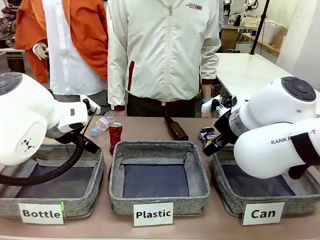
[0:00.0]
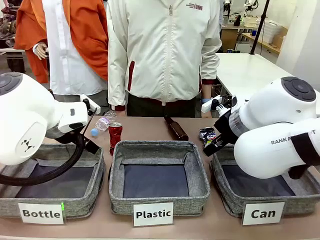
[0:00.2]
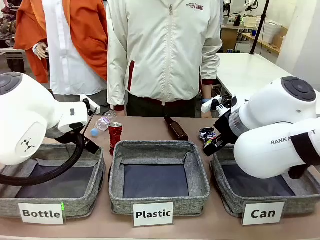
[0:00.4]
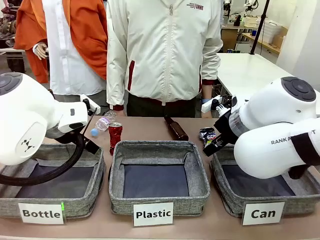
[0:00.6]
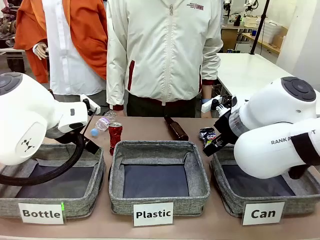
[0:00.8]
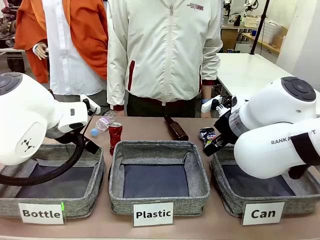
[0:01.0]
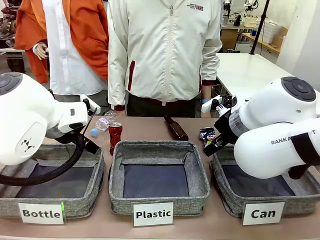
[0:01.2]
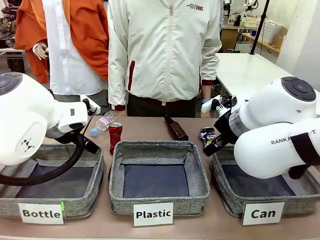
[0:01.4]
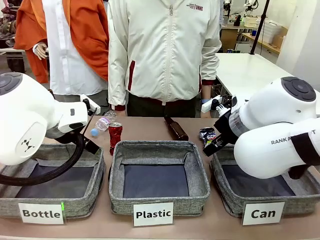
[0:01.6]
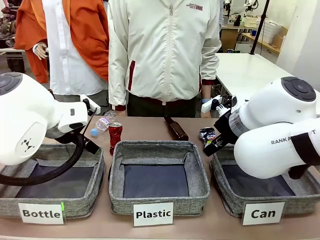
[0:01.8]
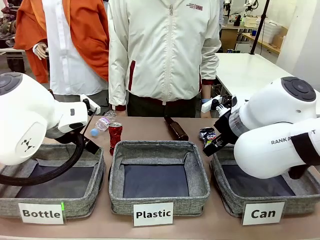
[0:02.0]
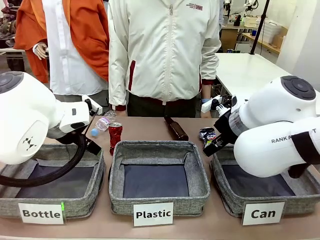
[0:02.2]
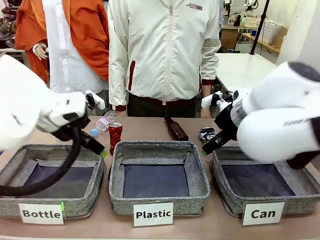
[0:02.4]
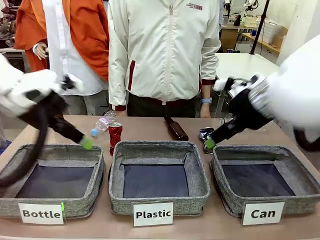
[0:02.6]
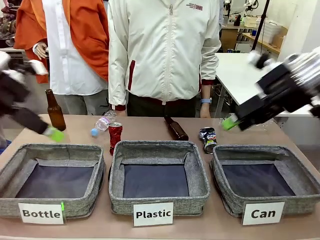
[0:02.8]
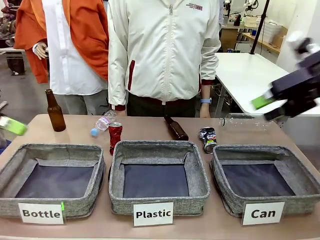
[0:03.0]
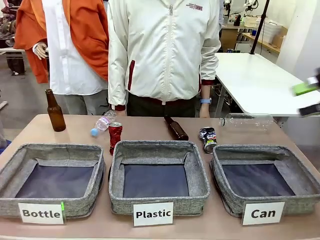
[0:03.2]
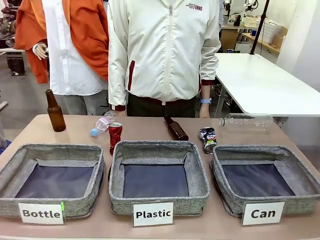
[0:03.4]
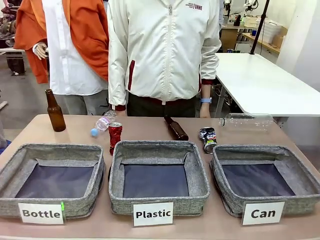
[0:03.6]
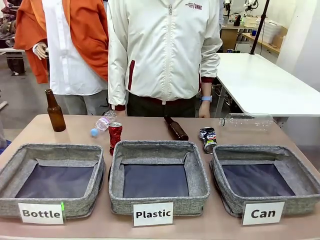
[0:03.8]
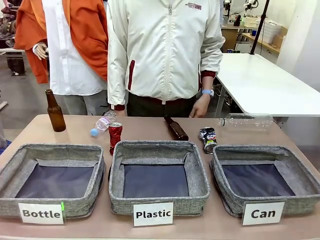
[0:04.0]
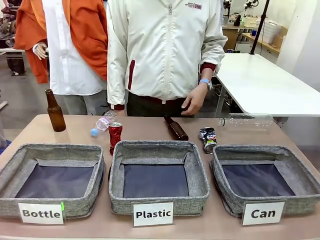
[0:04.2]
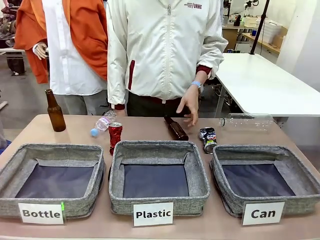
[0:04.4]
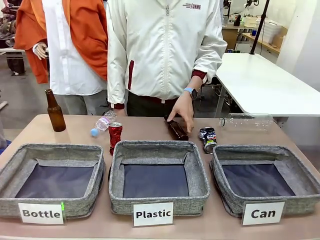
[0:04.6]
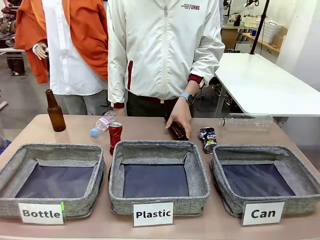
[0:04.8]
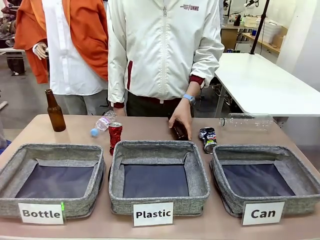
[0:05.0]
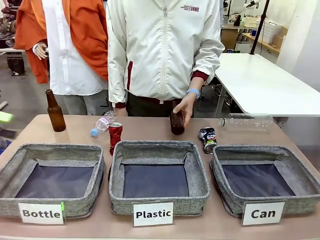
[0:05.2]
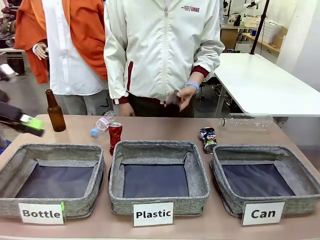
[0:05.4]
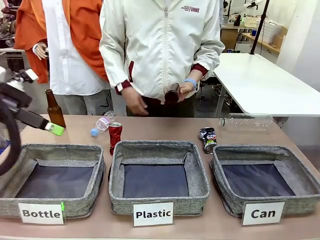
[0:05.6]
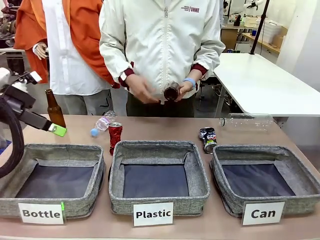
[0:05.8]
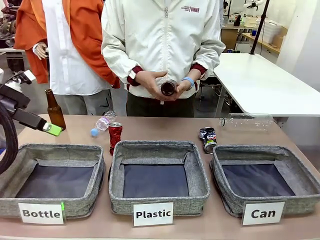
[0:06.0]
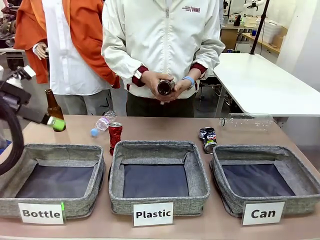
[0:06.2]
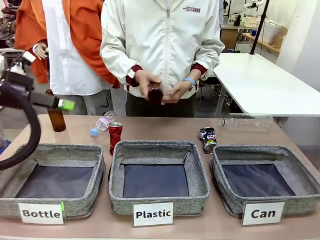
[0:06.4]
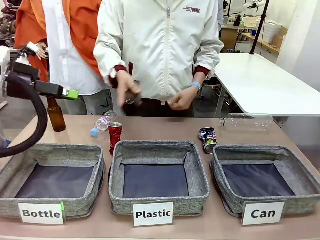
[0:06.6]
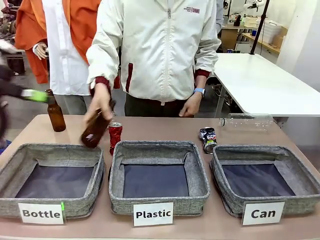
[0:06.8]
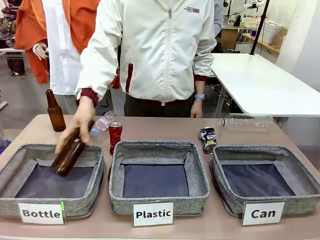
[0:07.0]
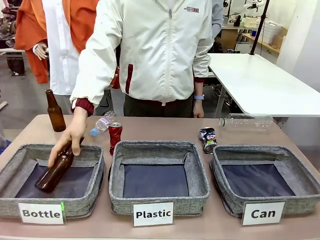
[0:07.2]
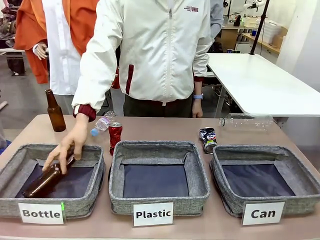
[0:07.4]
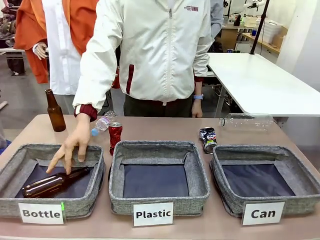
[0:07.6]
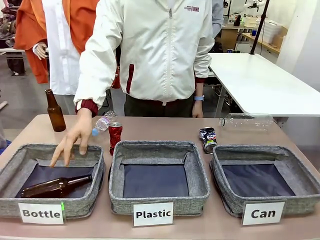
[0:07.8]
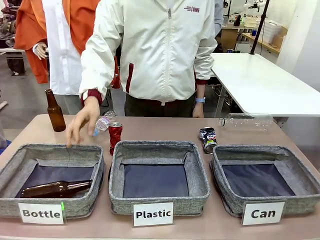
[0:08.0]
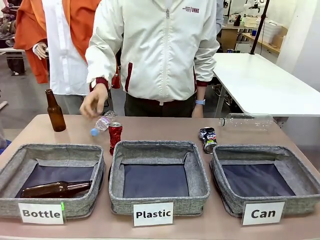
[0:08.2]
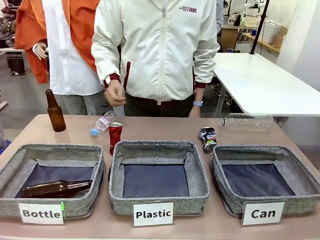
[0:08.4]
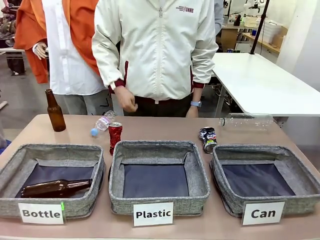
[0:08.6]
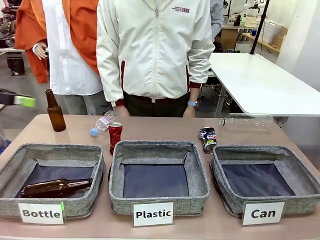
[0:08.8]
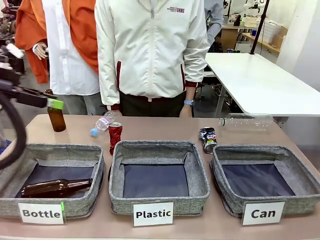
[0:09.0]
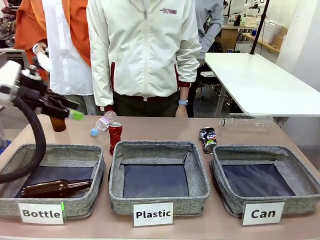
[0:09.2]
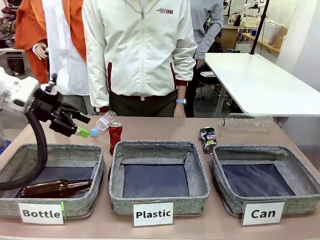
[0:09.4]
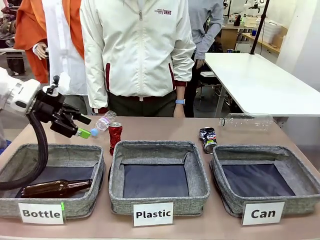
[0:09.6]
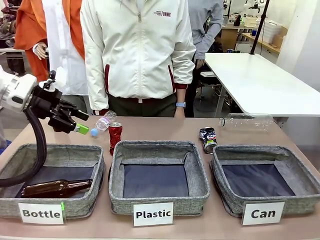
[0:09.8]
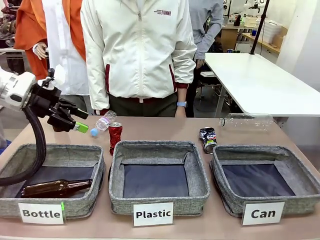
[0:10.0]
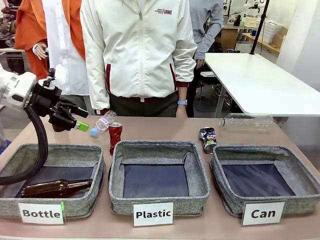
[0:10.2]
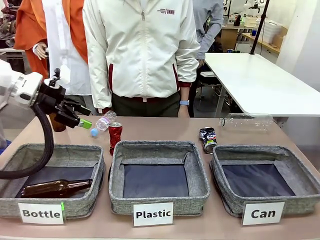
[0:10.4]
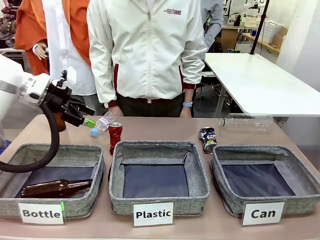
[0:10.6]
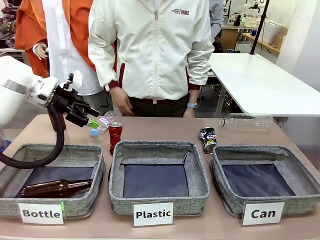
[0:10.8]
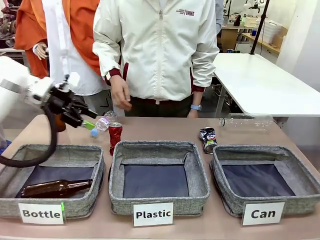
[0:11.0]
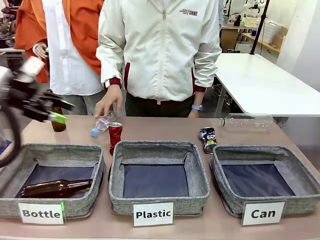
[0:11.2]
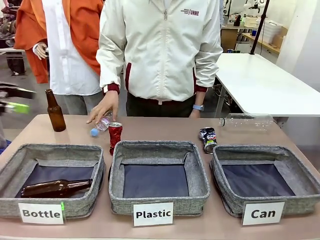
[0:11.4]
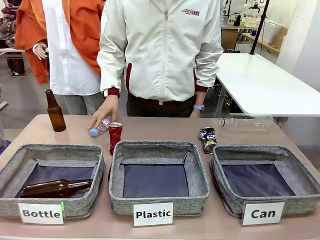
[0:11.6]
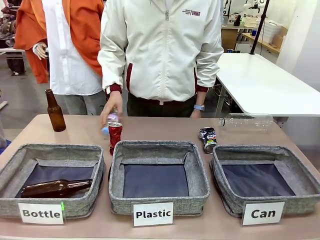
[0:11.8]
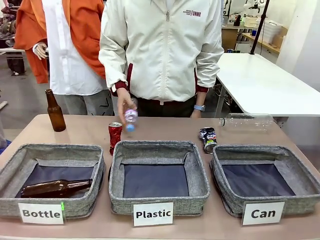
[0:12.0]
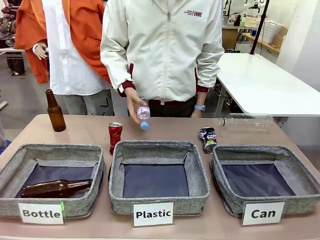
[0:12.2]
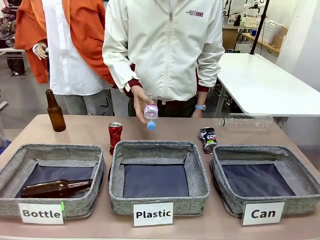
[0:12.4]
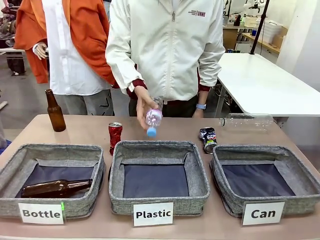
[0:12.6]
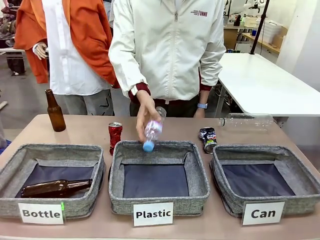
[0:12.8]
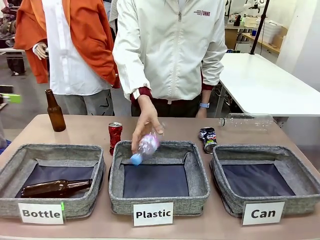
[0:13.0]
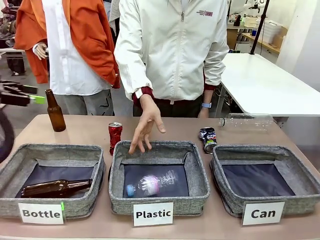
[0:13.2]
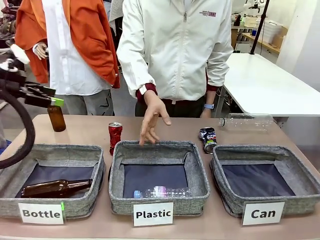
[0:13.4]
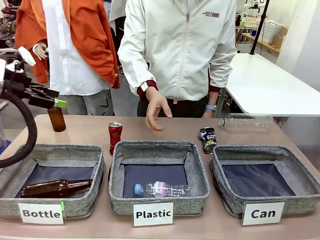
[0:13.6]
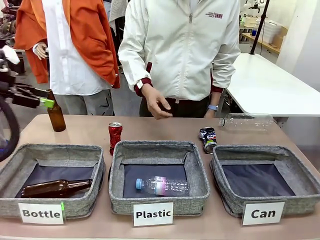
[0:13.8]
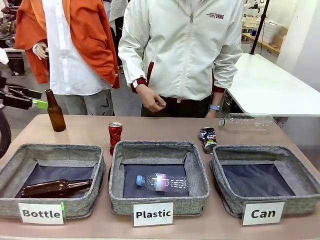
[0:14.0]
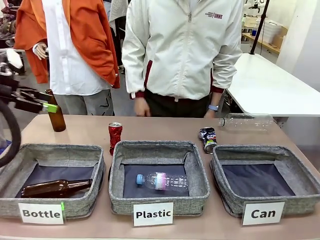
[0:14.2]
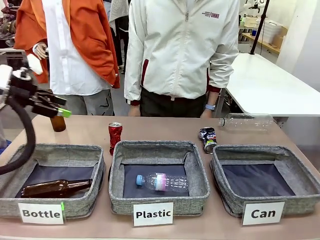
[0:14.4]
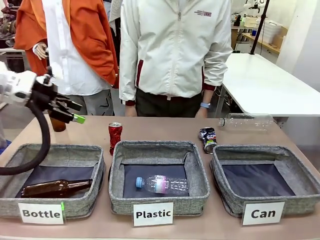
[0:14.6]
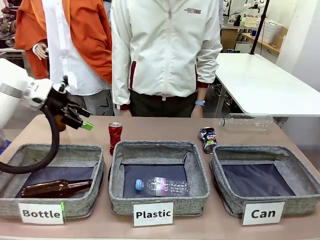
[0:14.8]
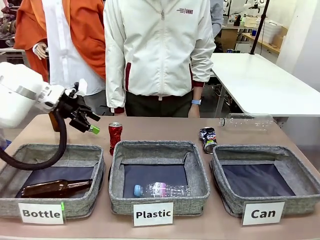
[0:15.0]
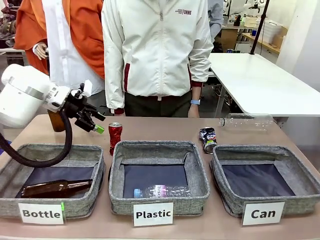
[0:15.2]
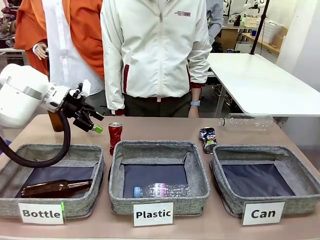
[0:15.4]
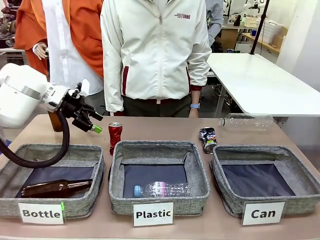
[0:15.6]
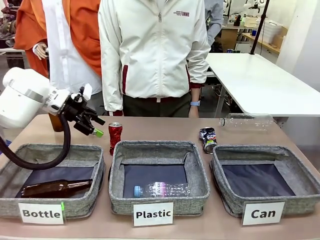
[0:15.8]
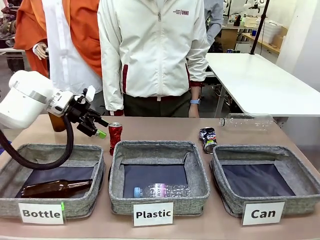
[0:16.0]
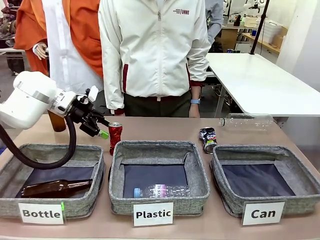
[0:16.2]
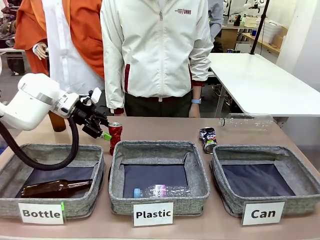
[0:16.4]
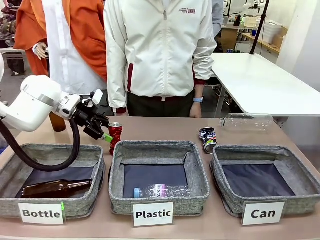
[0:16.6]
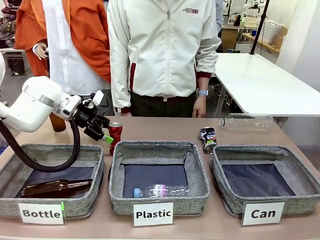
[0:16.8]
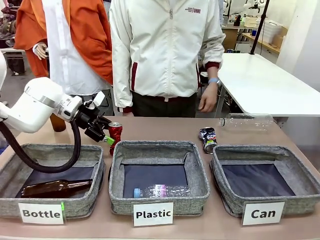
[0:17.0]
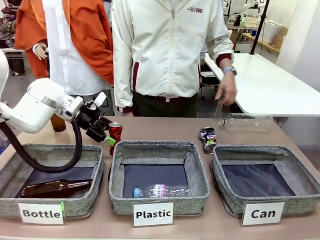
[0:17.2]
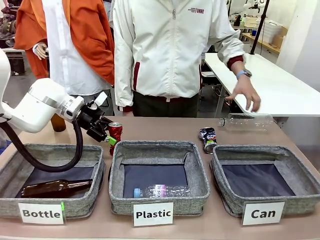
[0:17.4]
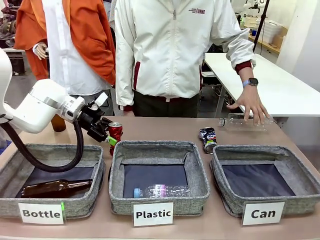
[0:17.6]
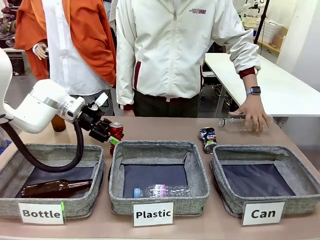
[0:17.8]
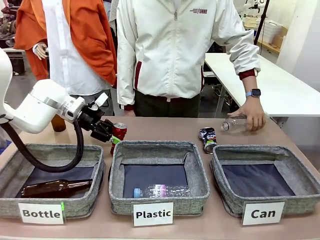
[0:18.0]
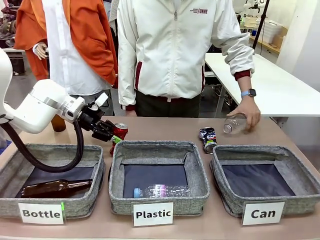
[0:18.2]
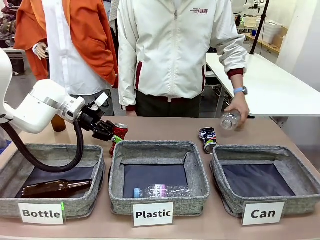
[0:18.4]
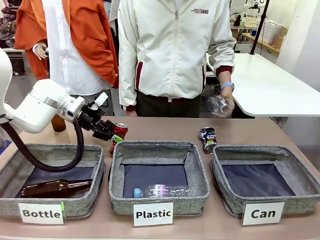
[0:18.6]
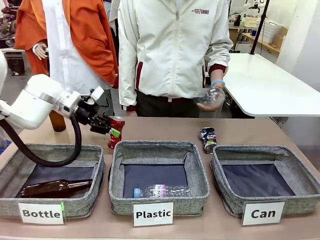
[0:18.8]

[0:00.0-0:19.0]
Task: Sort the can waste into the basket.
Robot: Pick up the can waste from the table and place it in the right Fabric basket.
